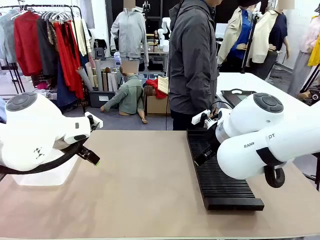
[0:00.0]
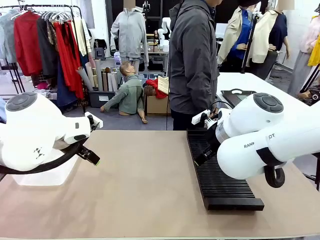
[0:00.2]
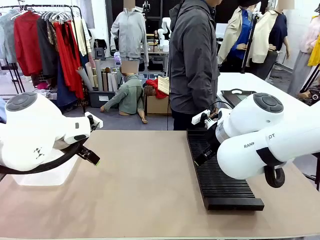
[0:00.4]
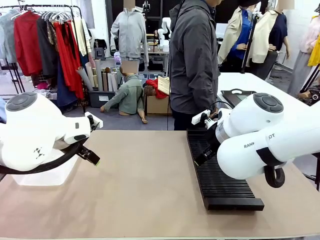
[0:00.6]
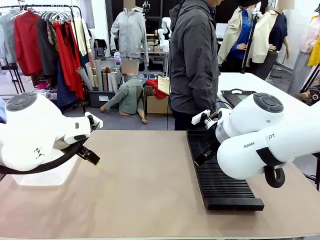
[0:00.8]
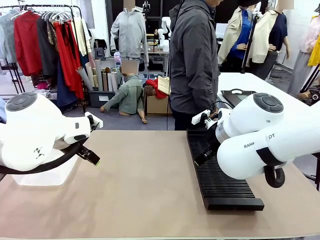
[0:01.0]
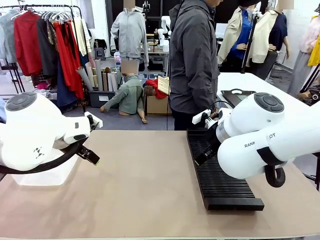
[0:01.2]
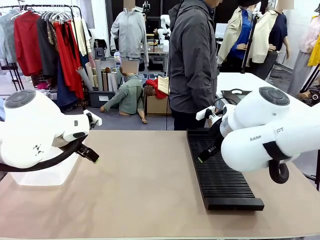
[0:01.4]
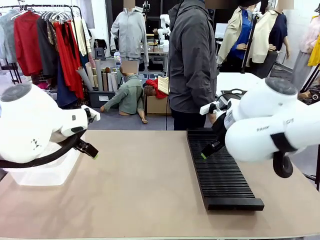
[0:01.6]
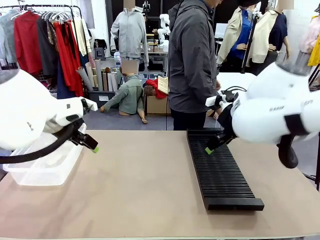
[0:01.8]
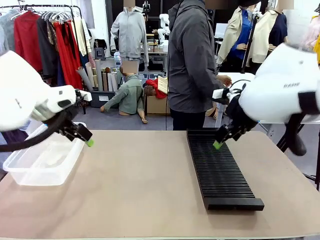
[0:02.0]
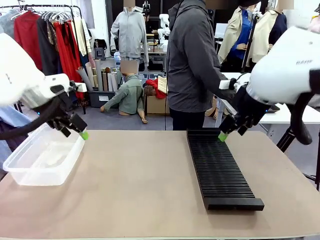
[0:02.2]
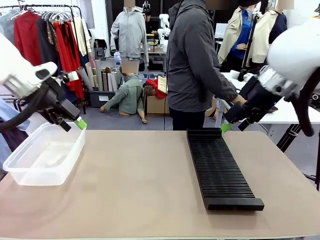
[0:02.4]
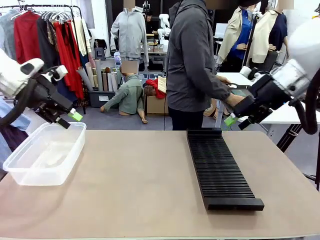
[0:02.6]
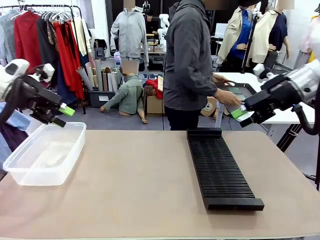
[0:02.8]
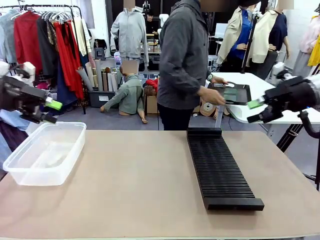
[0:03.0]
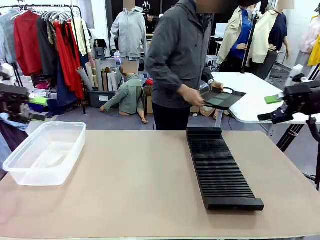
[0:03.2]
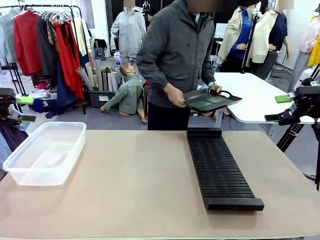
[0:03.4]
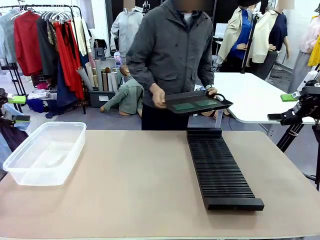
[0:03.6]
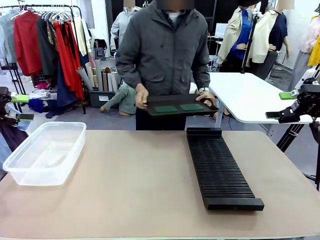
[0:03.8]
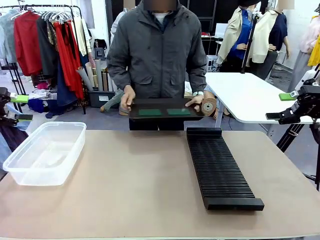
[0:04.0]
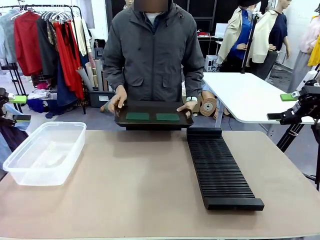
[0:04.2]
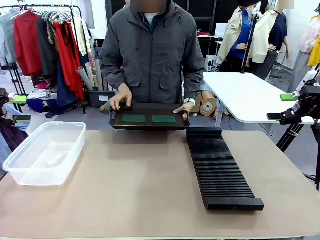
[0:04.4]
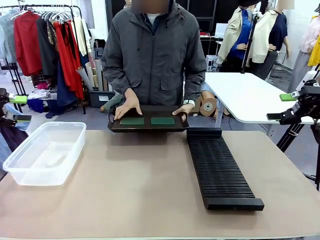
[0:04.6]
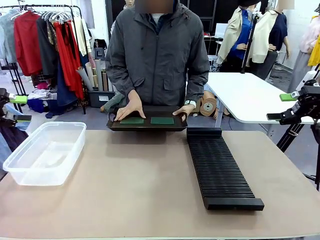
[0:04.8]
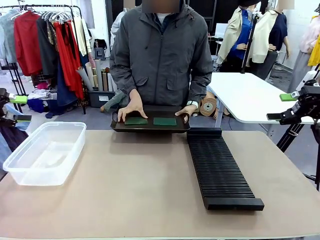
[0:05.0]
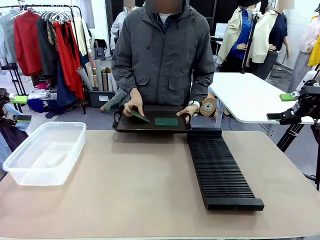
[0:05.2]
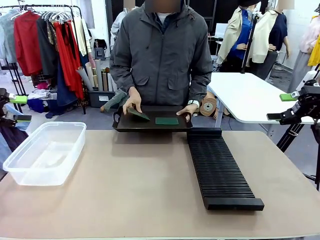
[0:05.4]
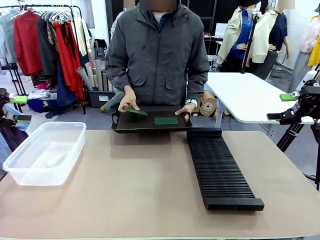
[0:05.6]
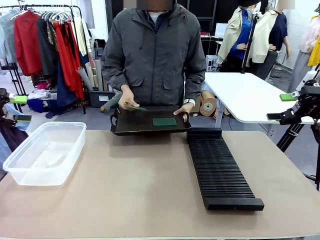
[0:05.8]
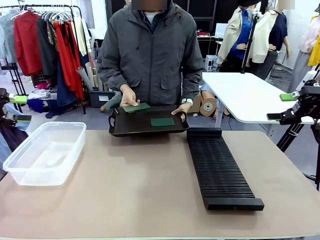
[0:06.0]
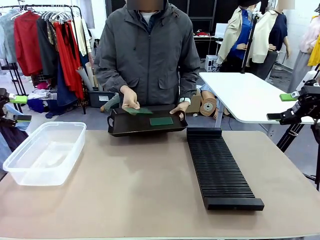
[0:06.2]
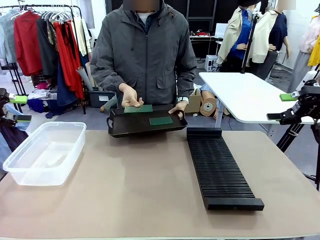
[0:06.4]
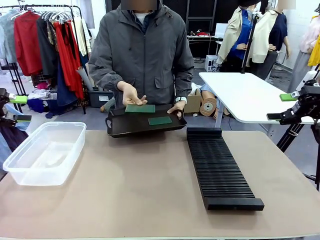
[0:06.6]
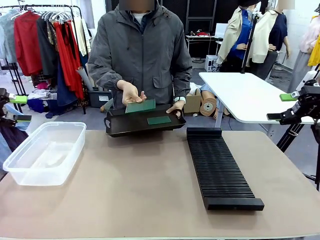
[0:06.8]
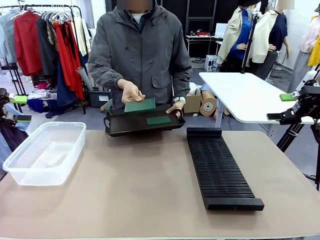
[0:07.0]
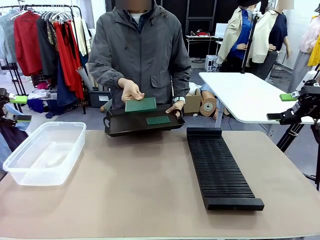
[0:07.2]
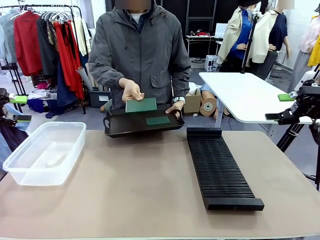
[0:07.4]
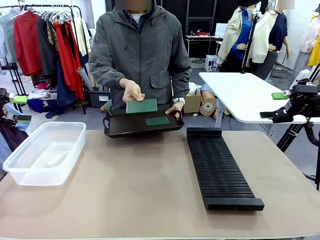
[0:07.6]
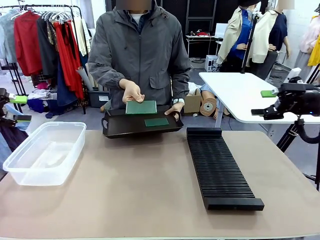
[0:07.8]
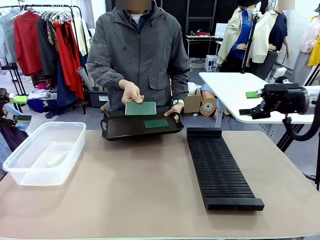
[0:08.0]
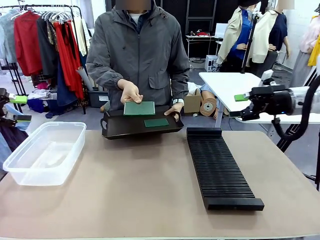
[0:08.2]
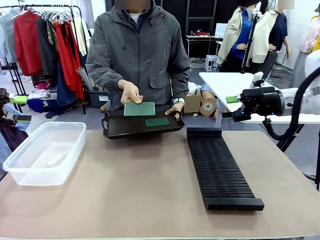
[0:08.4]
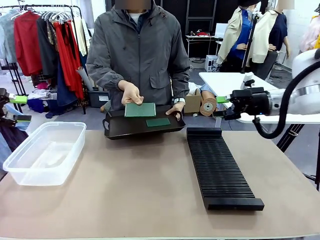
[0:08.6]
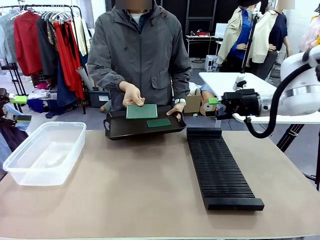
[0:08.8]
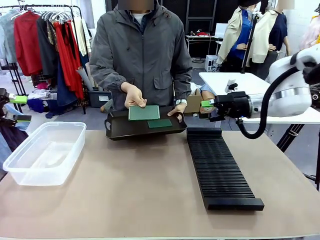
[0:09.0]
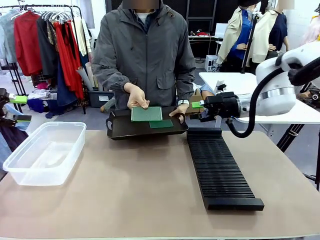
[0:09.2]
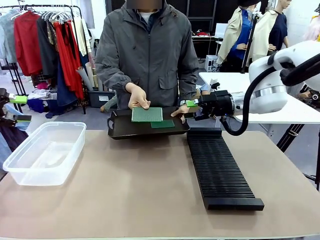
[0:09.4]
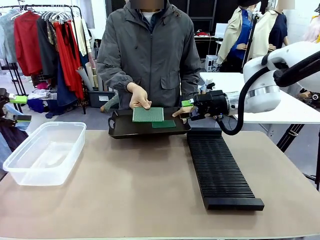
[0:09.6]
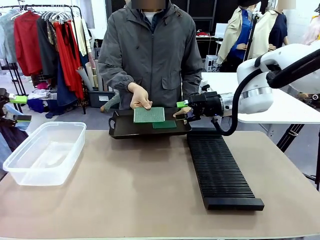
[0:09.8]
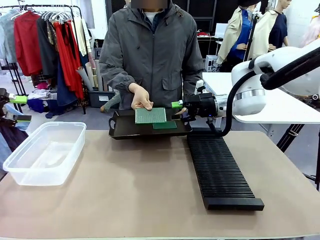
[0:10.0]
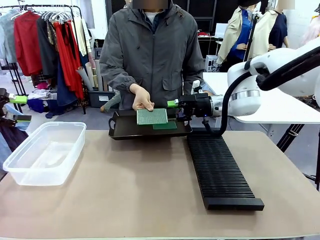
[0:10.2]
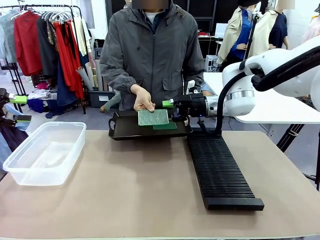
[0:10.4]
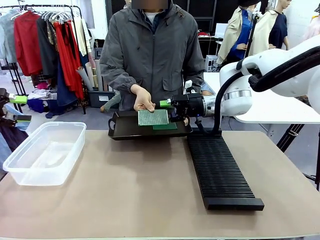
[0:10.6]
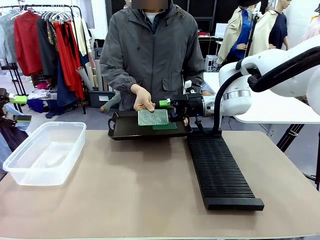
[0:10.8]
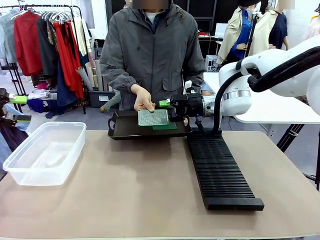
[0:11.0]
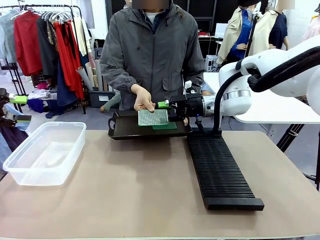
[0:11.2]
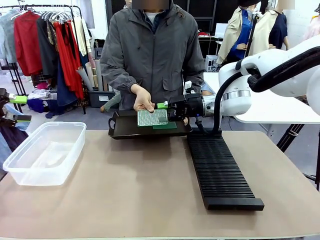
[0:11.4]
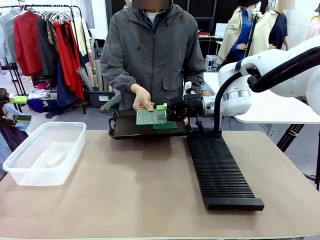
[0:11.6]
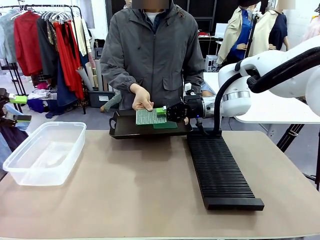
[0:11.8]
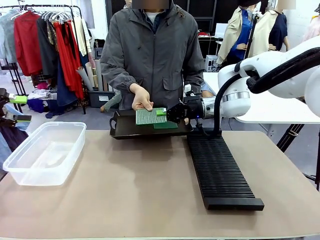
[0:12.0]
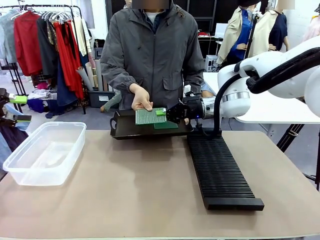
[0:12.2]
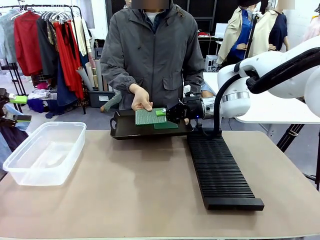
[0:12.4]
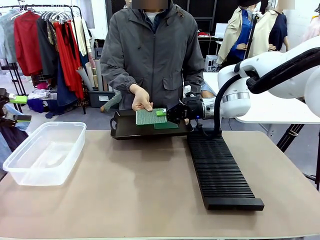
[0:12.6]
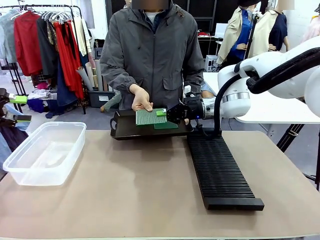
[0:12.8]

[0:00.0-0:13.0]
Task: Sort PCBs into racks and boxes based on the side picked up.
Robot: Pick up the Blank PCB handed by the Human.
Person: Pick one PCB from the tray and present it to the robot. Release the PCB being held.
